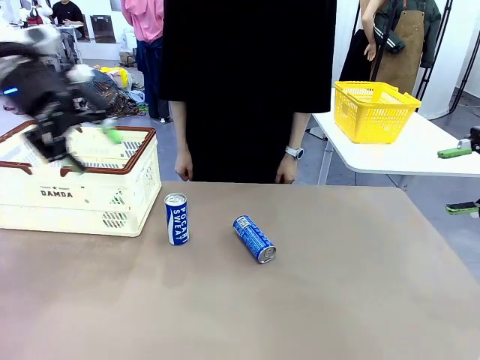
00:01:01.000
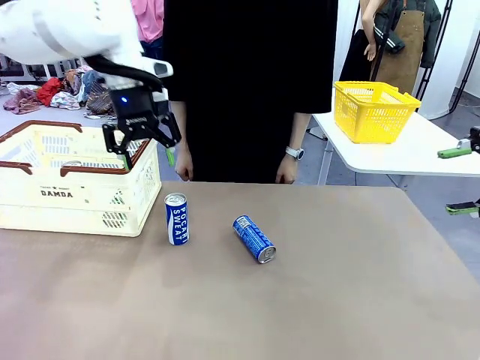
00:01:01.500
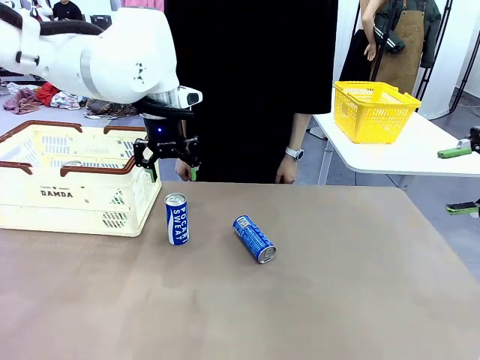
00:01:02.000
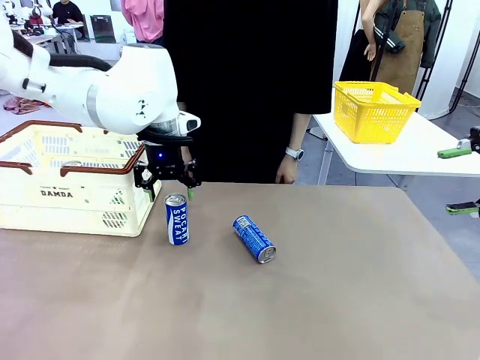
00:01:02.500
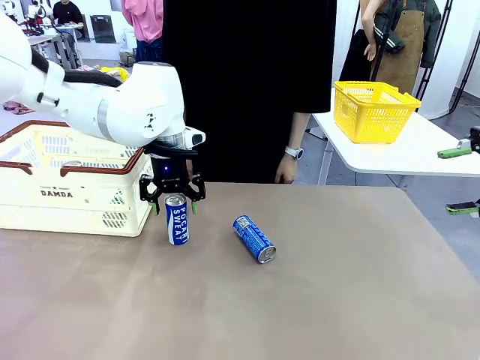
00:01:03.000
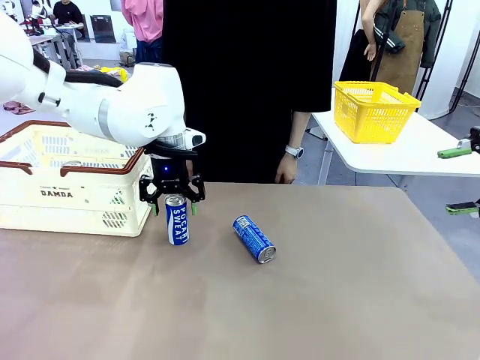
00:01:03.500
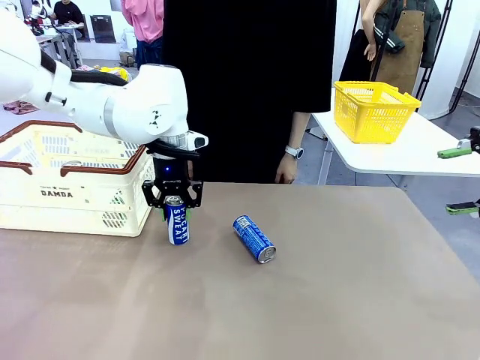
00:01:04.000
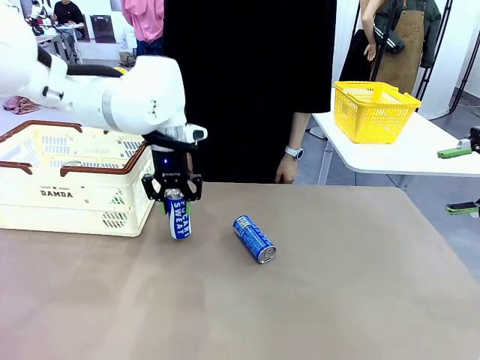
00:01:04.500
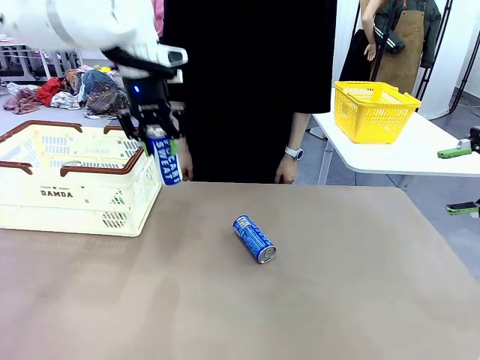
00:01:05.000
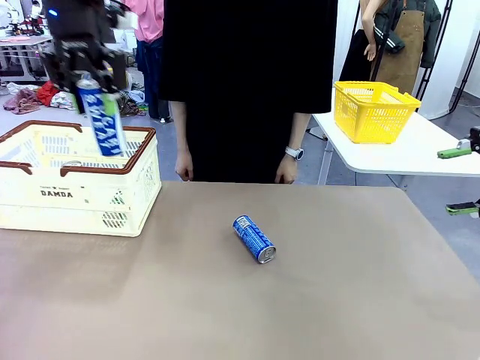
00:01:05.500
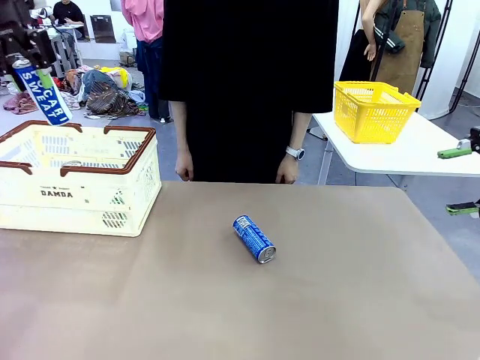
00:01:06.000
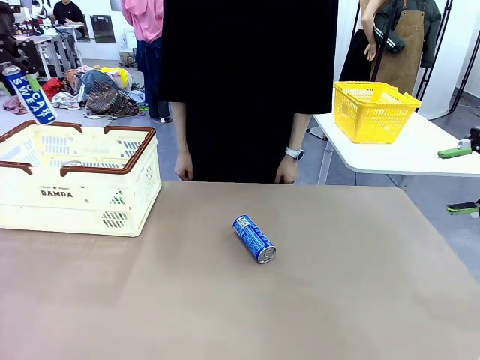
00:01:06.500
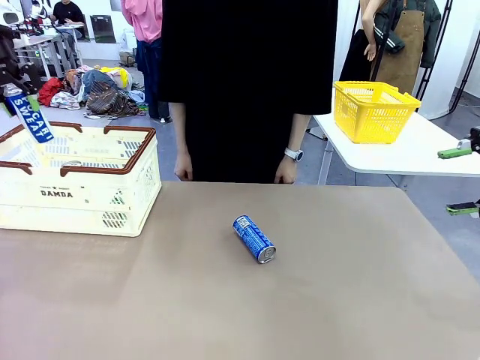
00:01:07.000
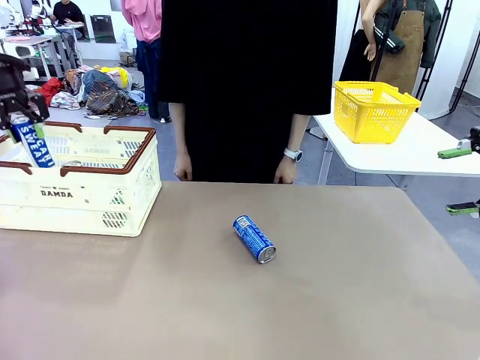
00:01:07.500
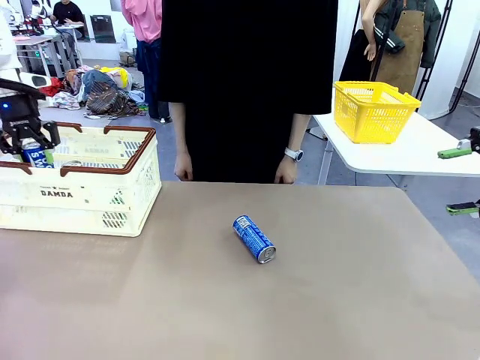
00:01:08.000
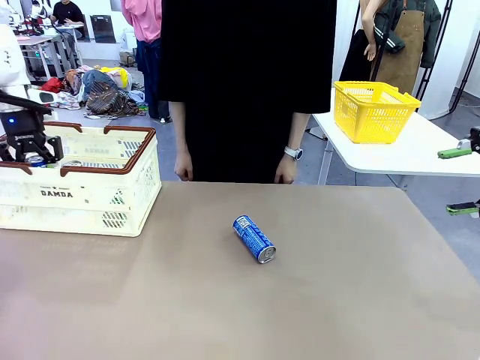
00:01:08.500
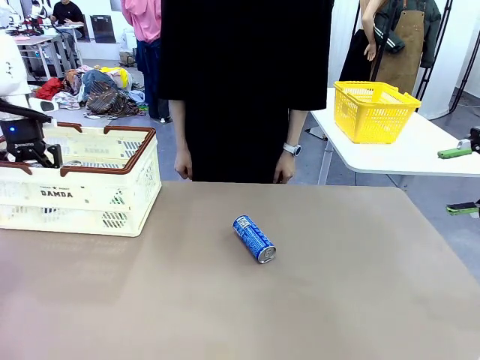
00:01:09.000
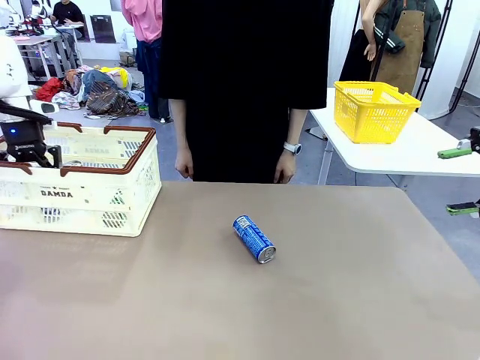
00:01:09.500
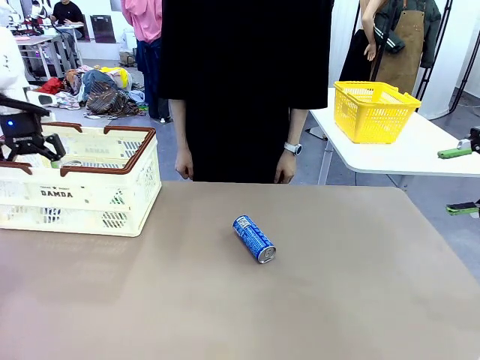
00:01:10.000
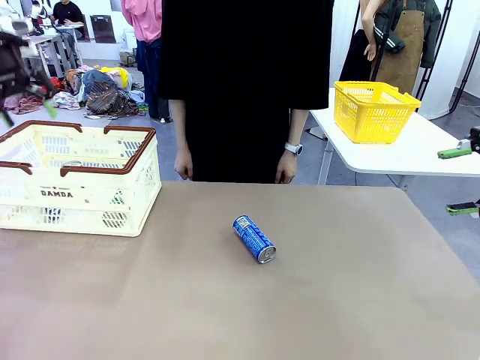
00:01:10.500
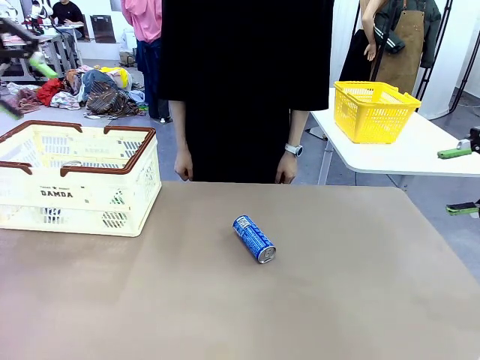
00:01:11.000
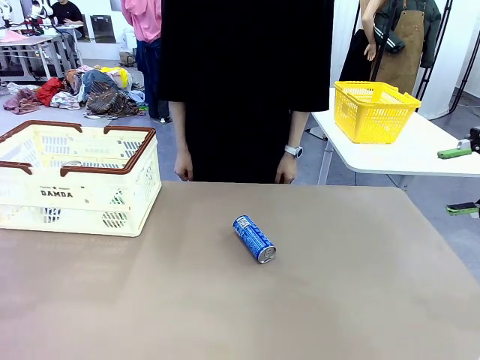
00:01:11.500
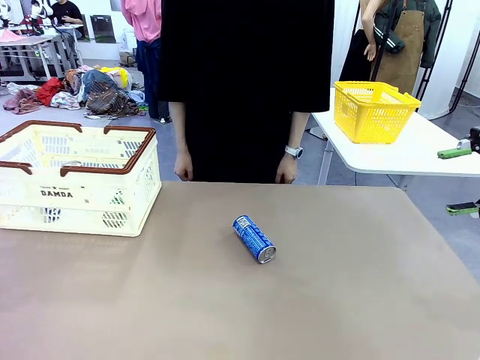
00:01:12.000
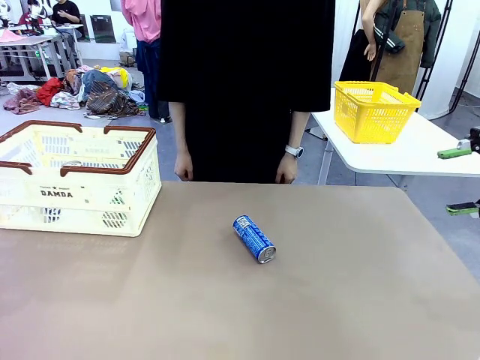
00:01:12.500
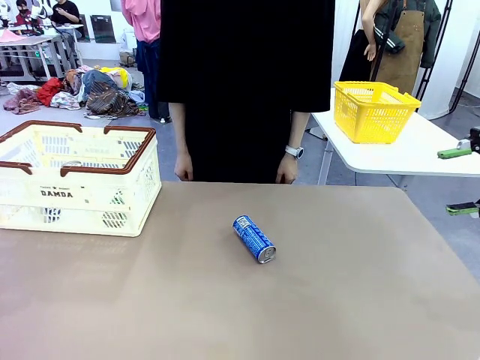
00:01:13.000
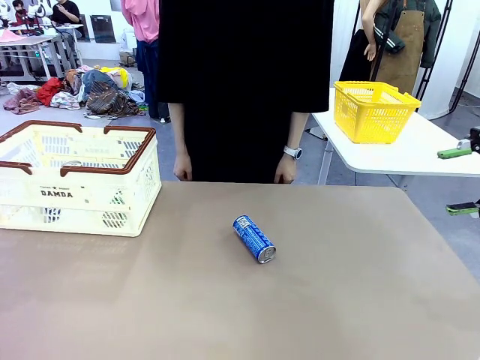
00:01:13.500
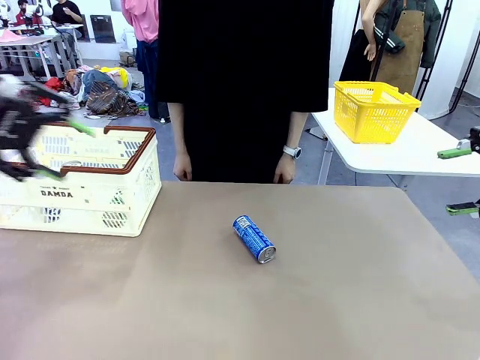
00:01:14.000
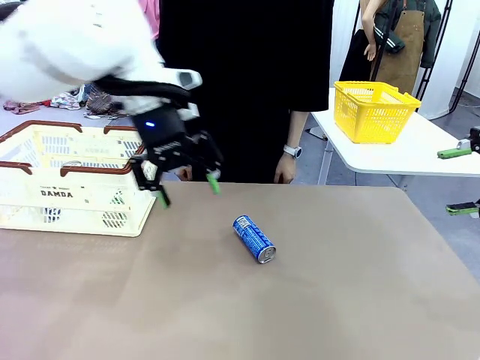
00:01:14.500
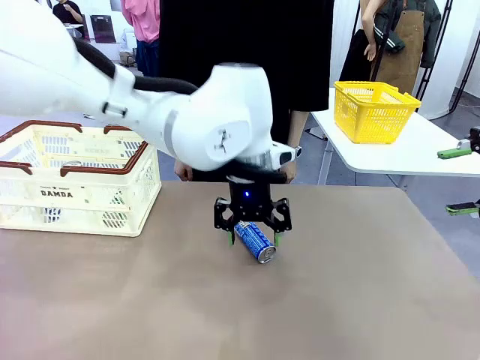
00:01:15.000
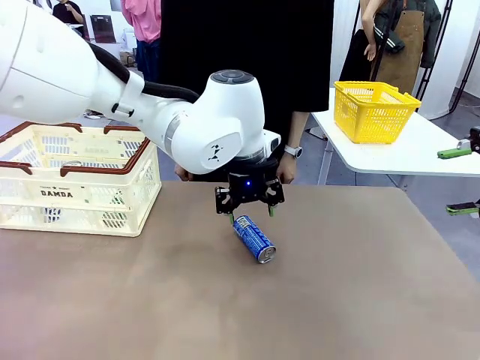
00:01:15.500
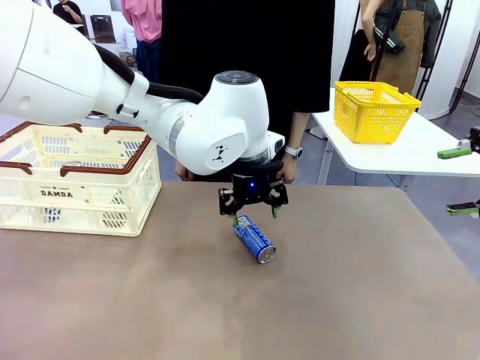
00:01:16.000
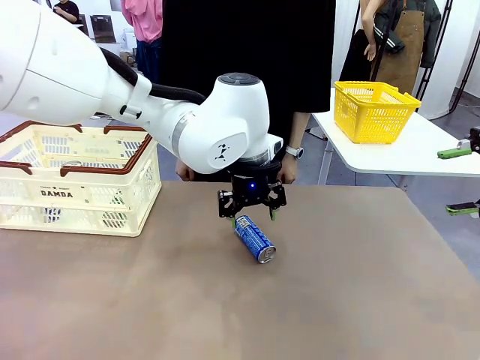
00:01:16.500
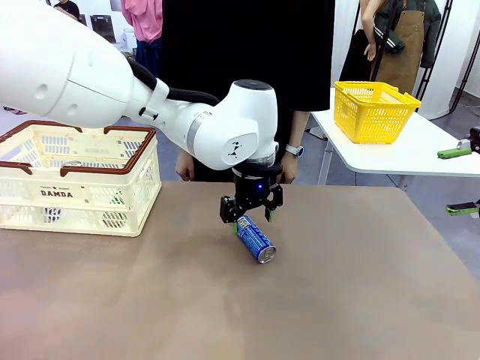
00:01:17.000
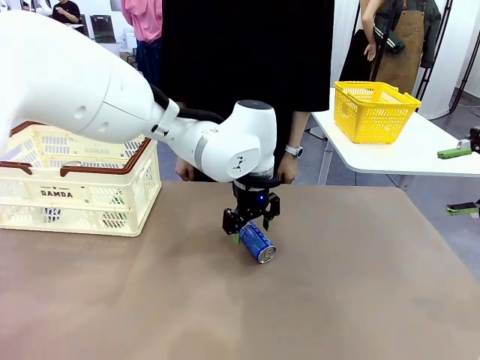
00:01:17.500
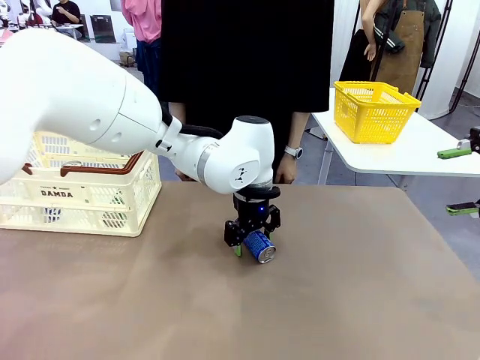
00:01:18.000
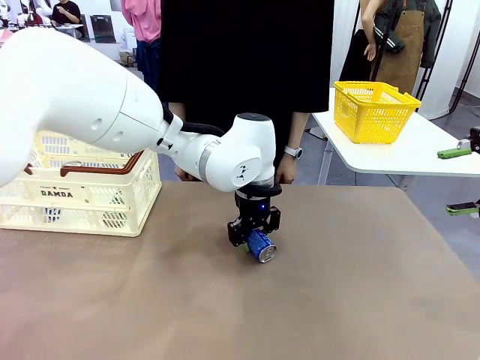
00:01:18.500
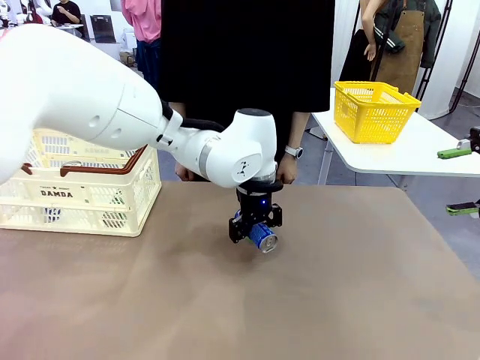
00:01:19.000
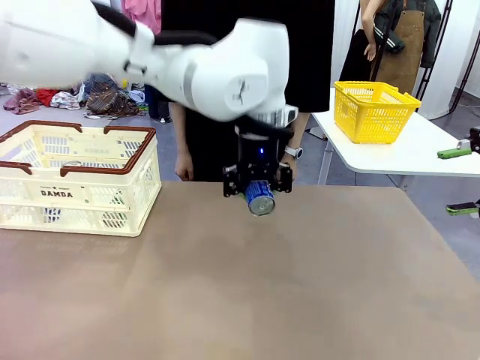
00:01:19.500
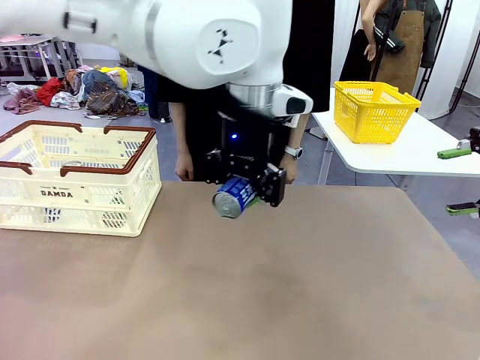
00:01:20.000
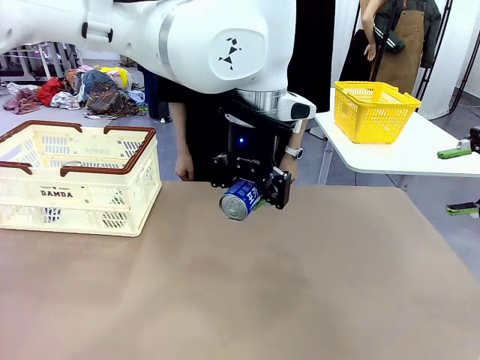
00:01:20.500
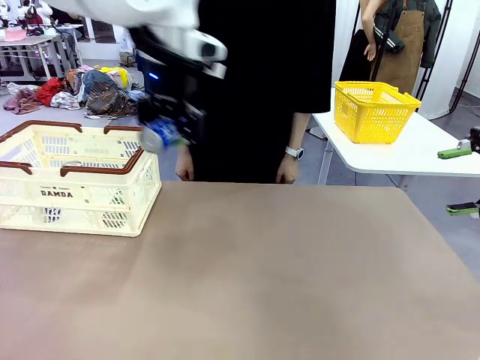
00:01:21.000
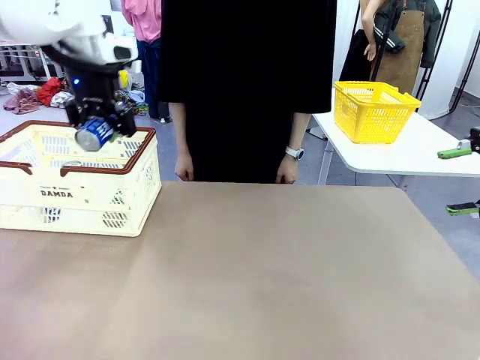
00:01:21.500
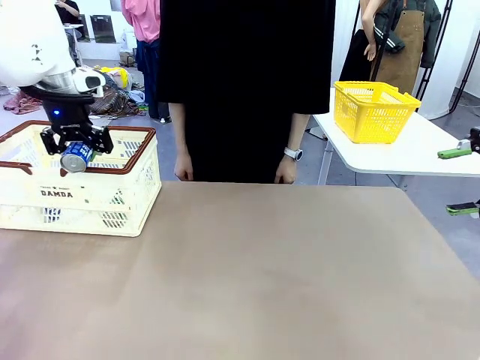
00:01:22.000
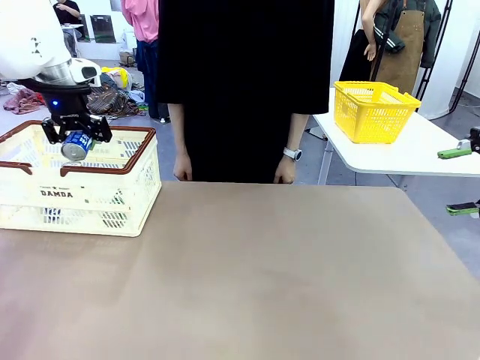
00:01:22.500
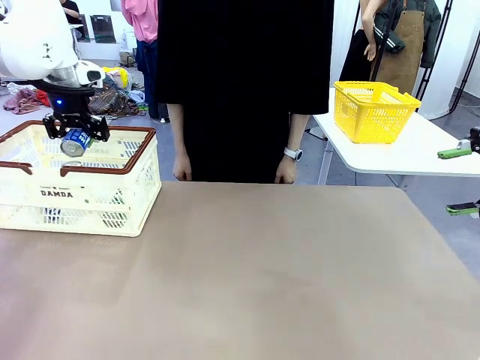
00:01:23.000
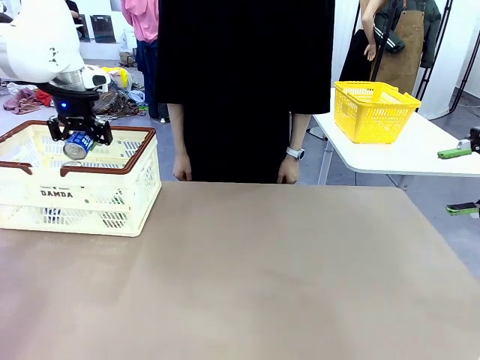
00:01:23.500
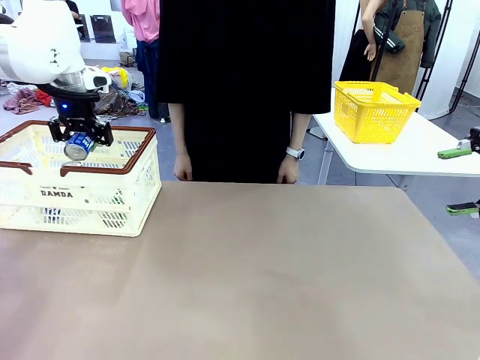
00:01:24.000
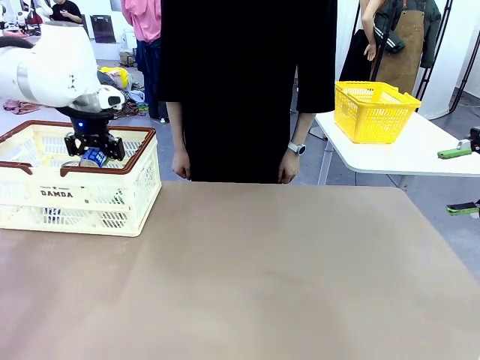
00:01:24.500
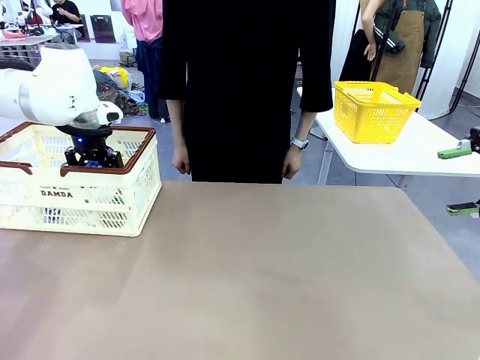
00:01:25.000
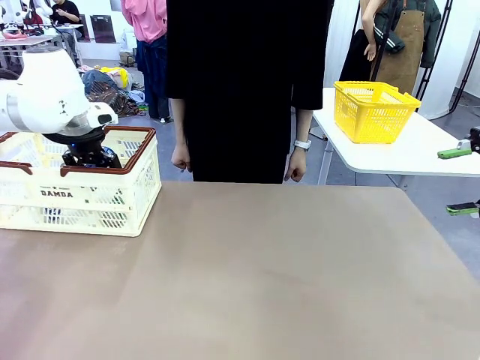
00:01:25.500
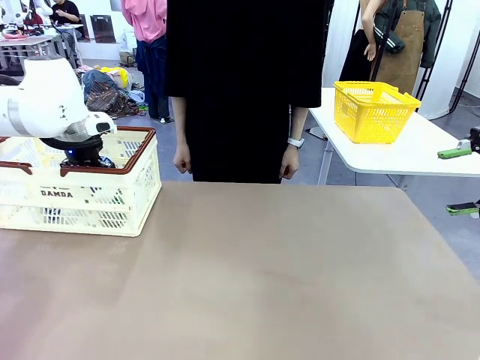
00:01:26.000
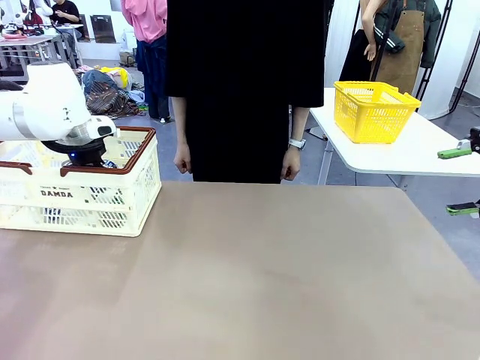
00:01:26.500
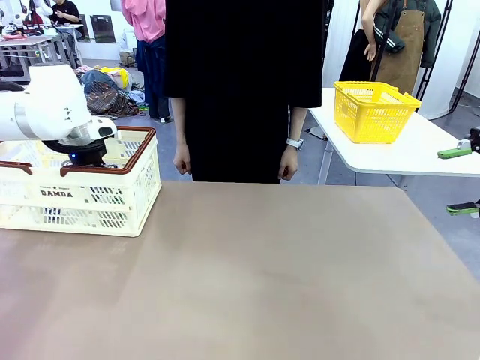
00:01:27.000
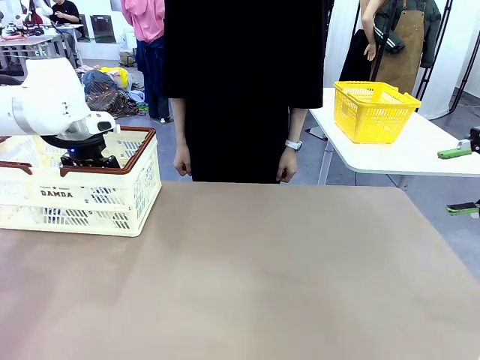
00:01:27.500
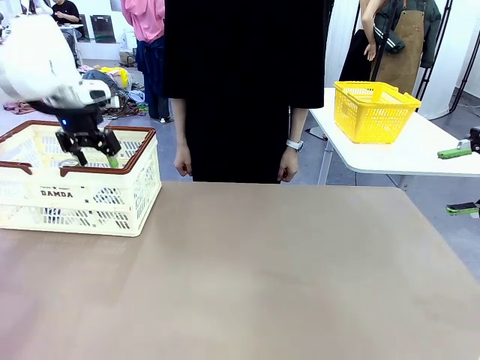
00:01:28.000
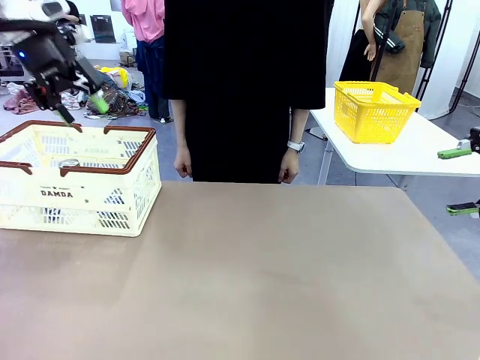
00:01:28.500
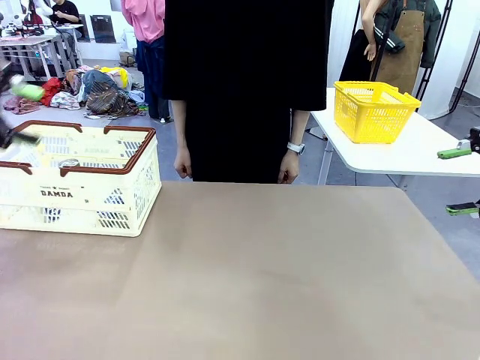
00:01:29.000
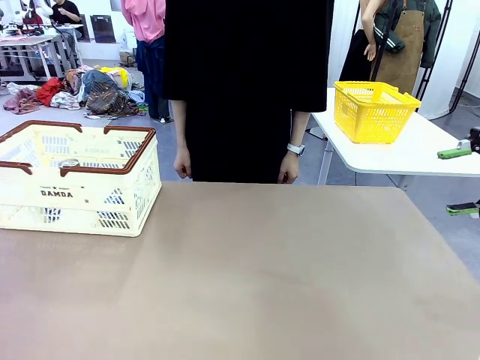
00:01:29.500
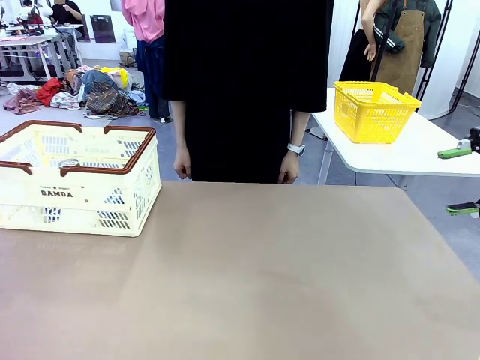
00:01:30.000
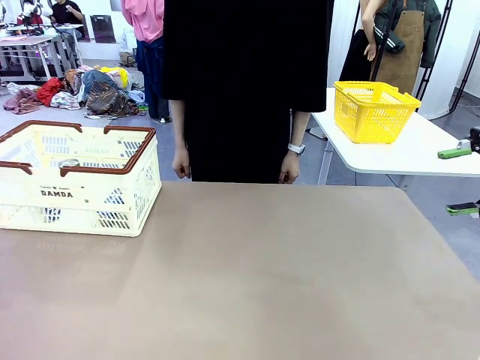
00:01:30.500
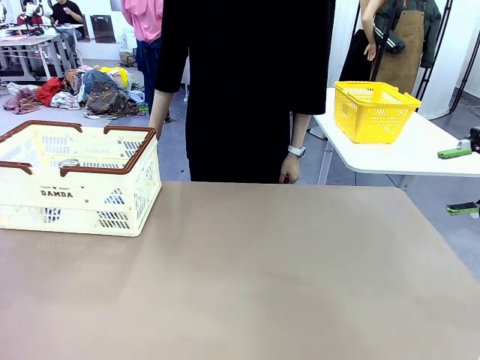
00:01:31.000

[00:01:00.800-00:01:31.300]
Task: Place the drinks into the Shopping basket.
Robot: Pick up one drink and place it into the Shopping basket.
